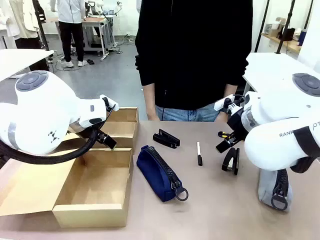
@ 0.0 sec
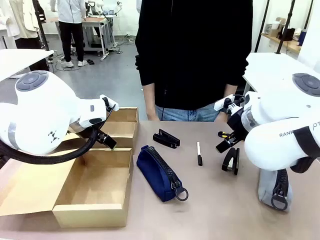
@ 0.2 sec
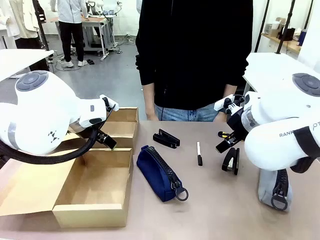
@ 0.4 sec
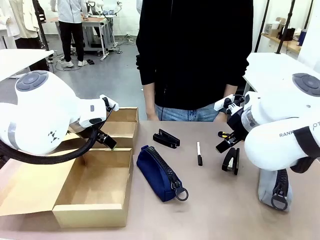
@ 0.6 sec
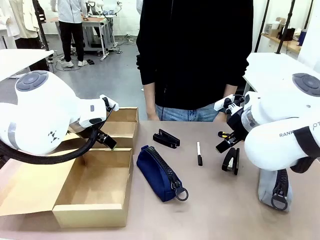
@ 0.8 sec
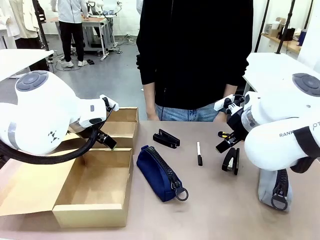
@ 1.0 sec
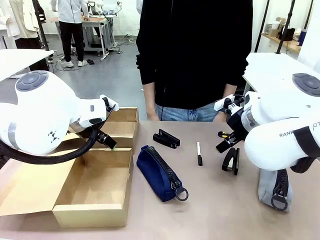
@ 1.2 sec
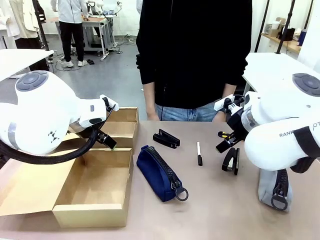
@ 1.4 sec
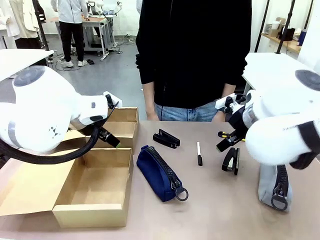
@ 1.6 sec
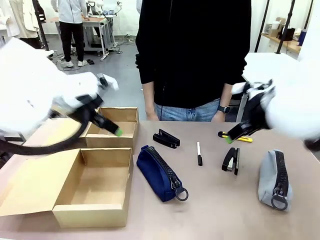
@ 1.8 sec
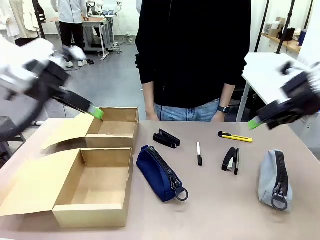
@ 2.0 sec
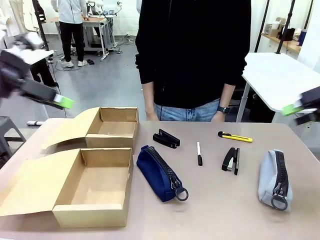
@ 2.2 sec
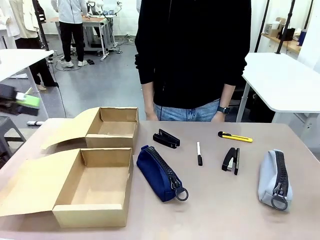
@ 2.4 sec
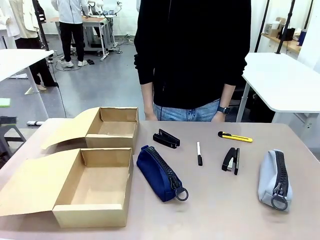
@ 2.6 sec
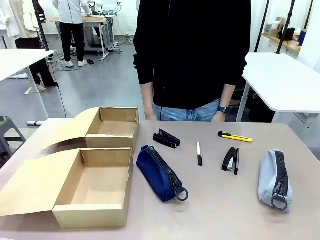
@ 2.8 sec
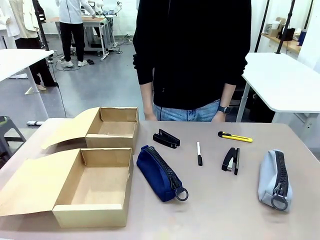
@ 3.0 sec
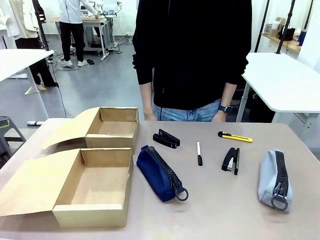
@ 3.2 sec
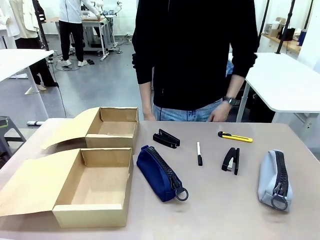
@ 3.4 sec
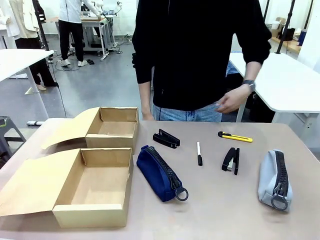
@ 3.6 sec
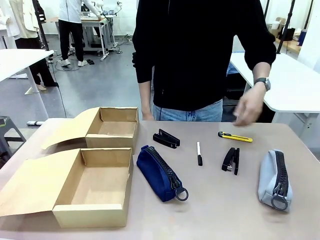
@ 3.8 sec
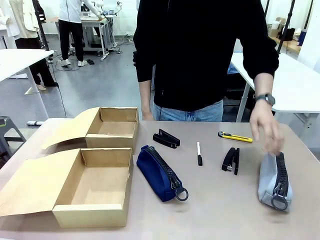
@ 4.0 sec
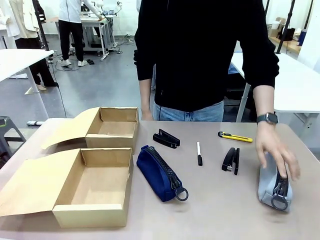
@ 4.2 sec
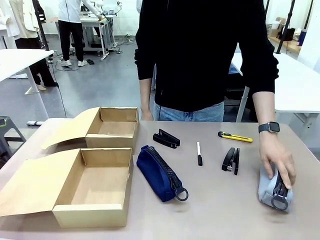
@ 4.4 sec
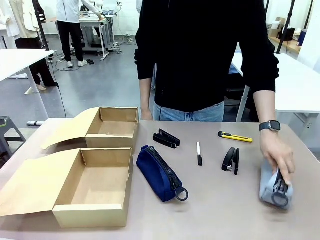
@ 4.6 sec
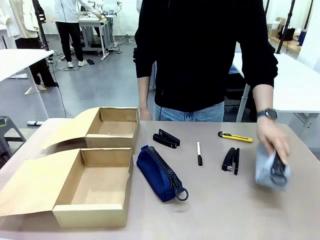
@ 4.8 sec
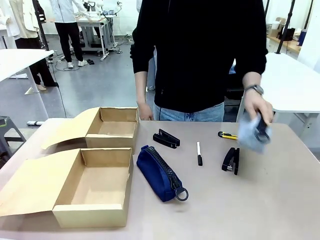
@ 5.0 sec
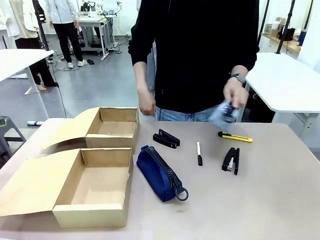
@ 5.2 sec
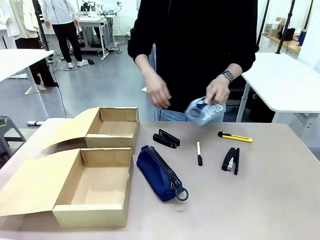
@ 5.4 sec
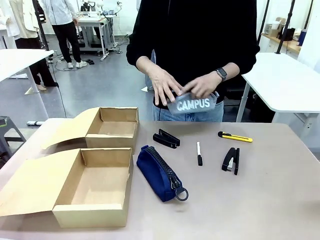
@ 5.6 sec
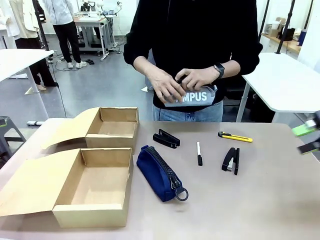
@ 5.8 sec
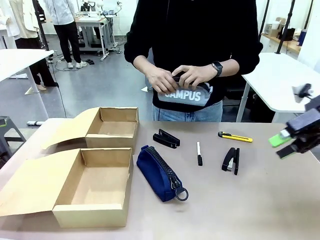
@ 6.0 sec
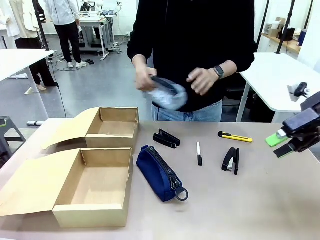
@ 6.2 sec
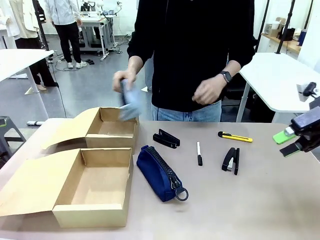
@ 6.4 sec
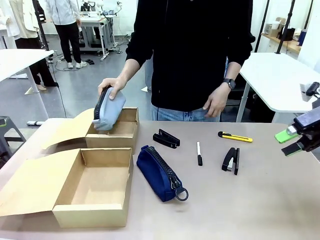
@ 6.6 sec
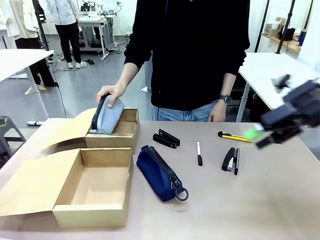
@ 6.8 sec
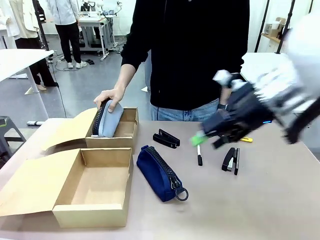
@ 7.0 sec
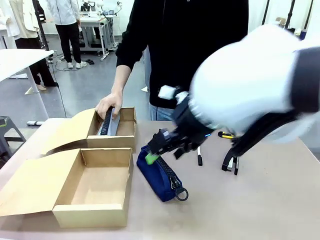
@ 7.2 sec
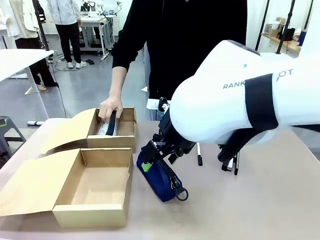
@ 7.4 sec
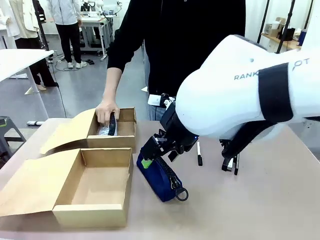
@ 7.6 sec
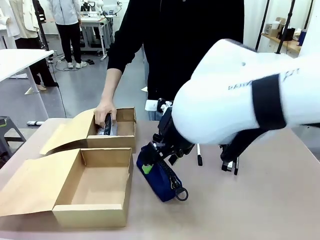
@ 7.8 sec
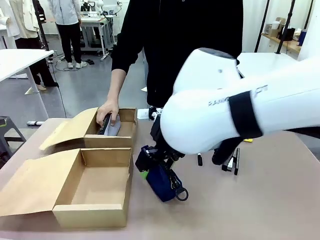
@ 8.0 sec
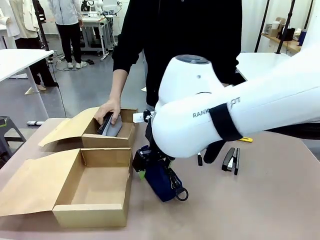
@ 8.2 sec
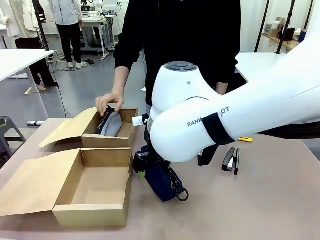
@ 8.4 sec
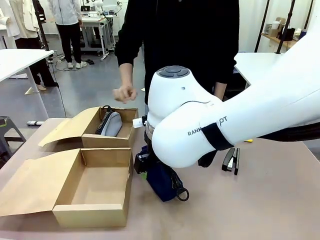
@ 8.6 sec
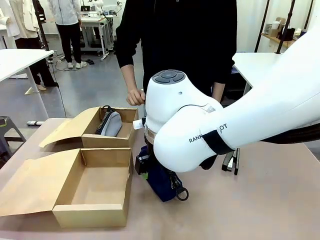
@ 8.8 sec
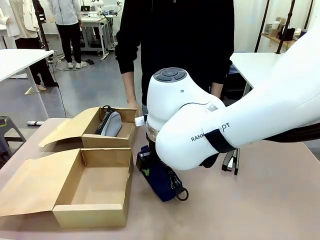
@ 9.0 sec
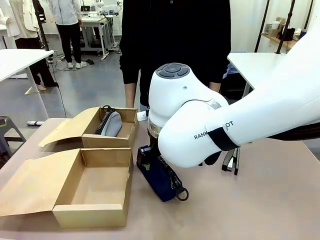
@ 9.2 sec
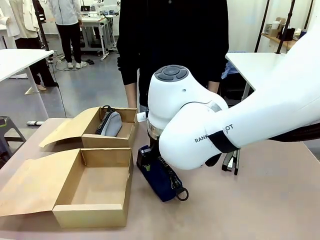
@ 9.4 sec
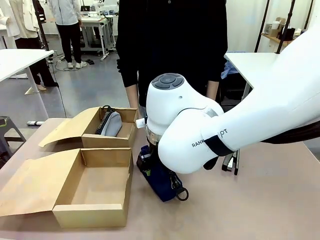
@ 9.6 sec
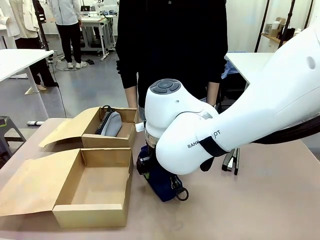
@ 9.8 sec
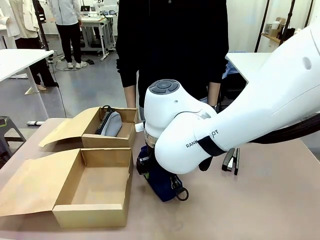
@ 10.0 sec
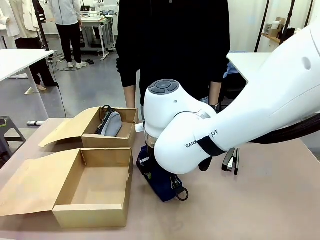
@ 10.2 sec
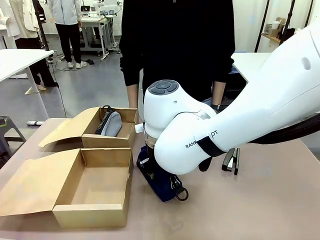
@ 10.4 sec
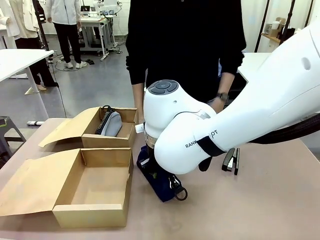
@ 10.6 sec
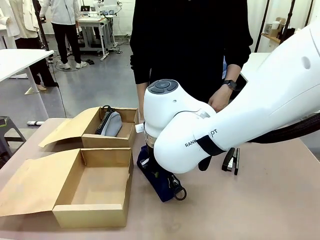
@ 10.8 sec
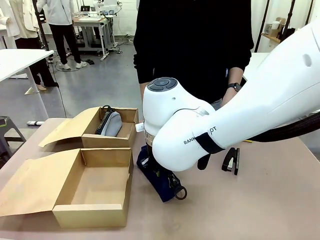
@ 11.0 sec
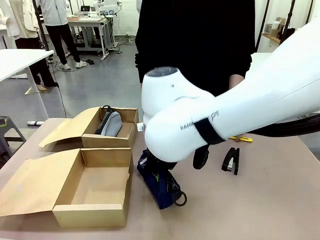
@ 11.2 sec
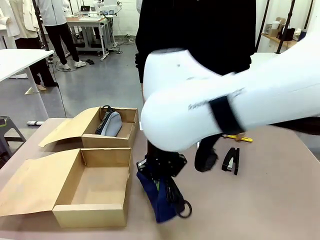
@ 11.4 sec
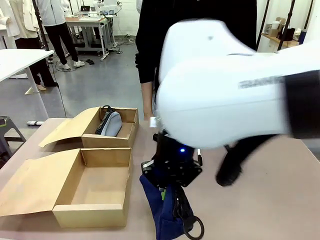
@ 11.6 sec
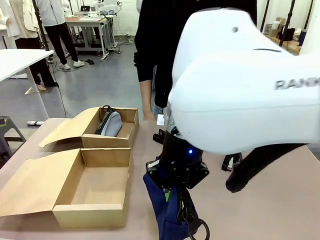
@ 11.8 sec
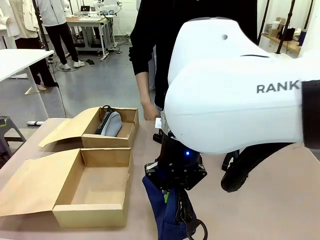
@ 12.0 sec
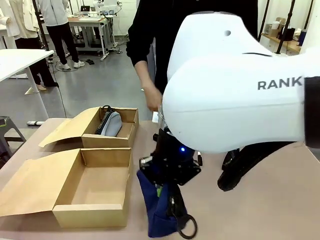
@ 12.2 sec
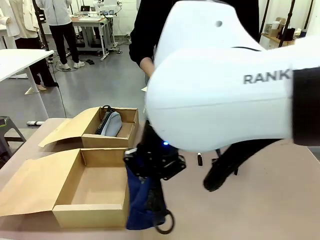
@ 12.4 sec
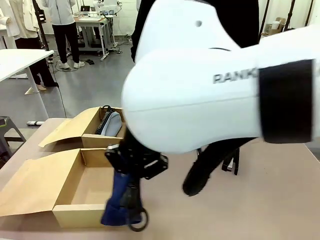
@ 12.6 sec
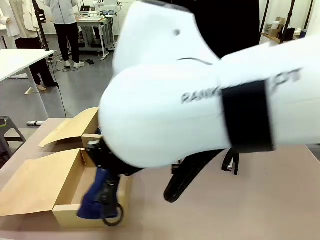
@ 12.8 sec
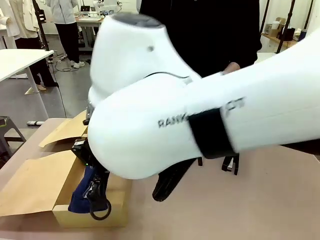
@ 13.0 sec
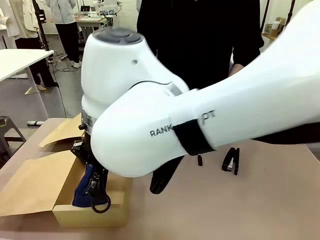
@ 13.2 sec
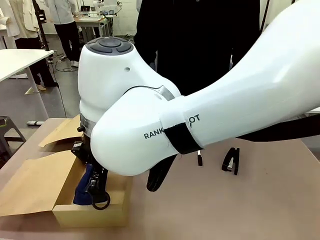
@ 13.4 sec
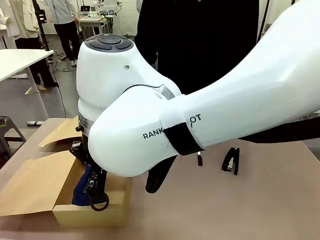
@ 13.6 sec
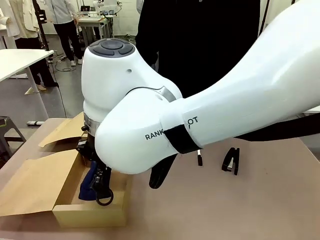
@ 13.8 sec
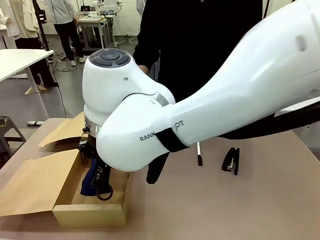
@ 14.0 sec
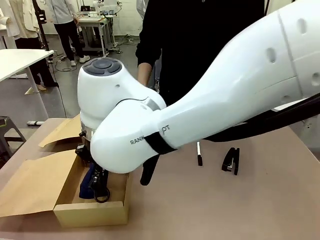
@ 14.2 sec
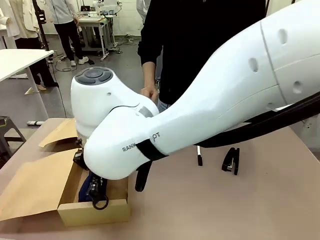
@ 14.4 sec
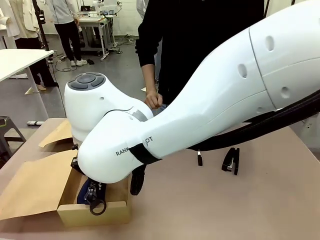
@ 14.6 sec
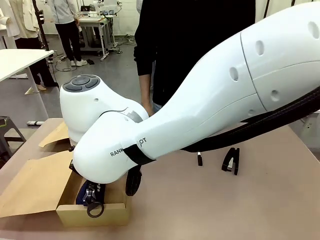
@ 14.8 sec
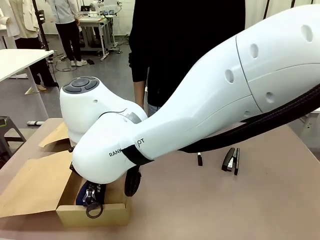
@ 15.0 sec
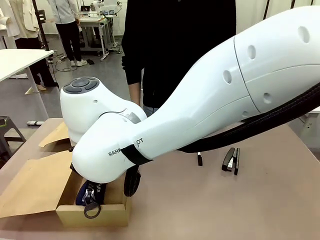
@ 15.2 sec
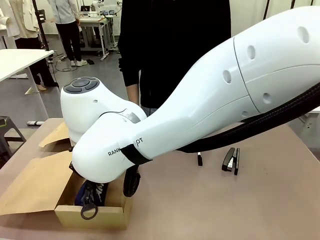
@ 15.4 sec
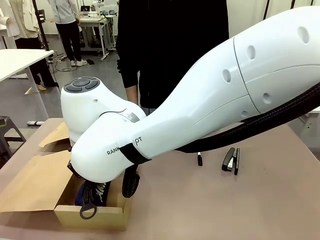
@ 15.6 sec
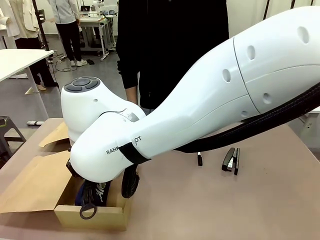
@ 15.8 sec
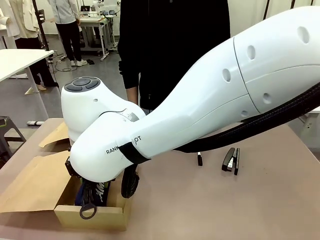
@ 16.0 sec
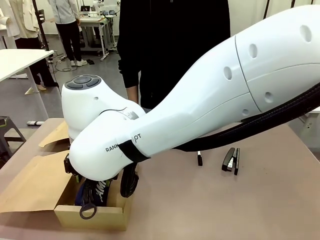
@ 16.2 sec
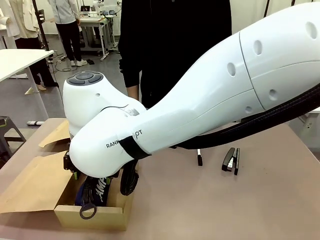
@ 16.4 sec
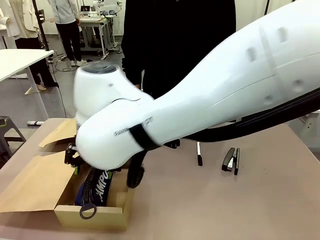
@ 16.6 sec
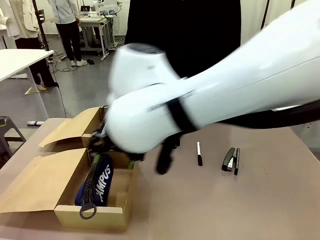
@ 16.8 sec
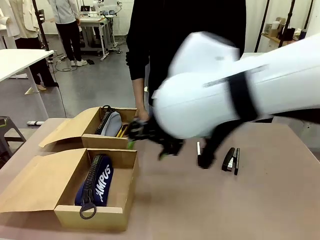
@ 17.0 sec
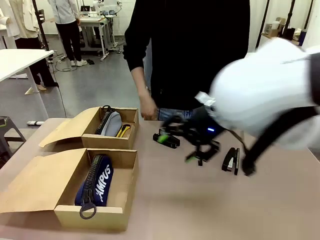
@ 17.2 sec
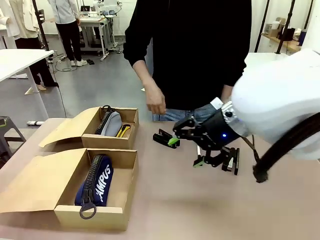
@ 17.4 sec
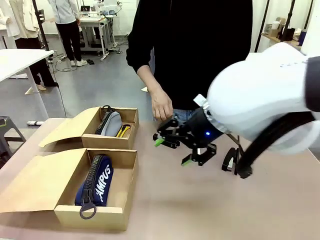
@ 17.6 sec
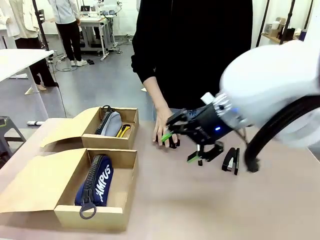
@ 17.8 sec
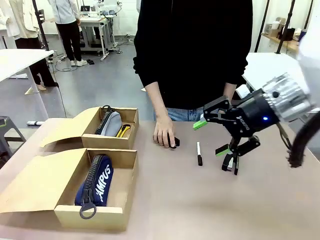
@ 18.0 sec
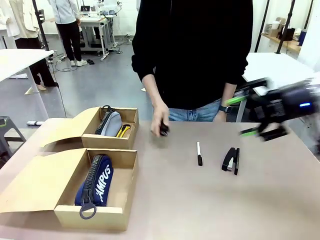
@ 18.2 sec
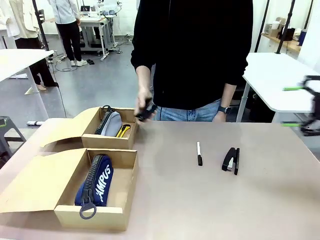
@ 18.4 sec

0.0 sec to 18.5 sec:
Task: Place items inside the box.
Robot: Pick up a Pencil pouch or Stapler and place it inside the Mailer Box closest to the robot.
Person: Pick up an object on the table and put it in the box.
